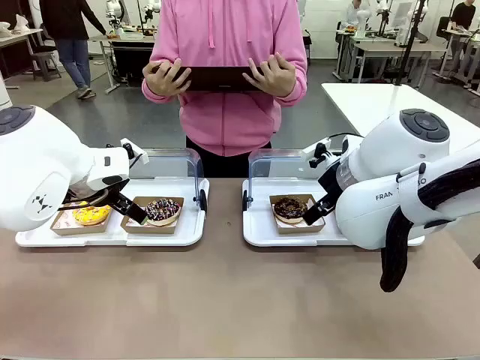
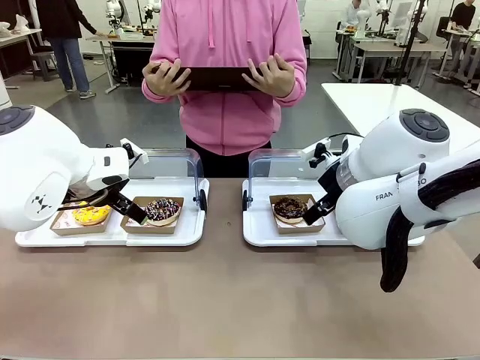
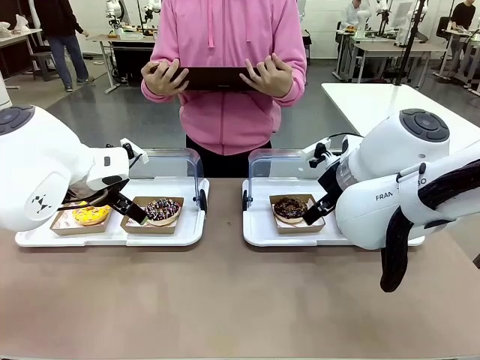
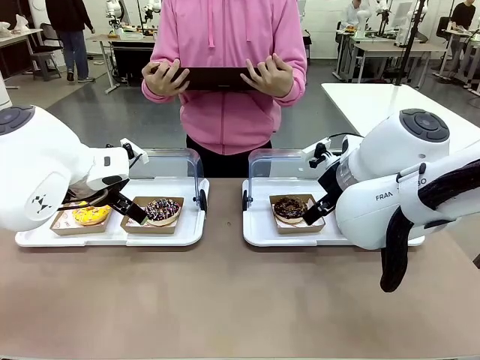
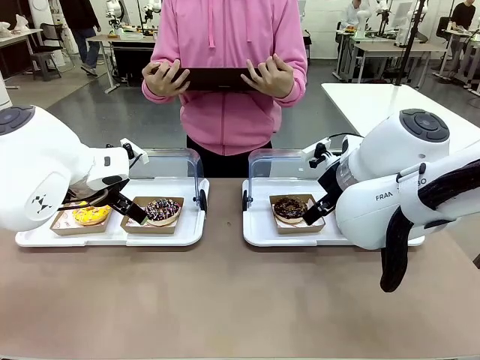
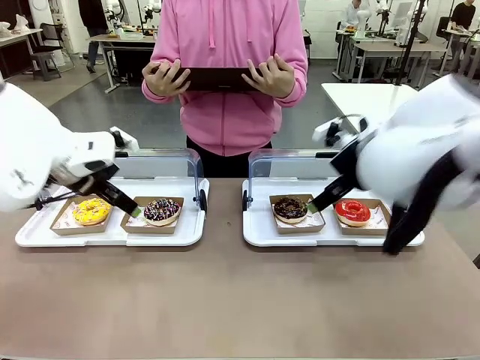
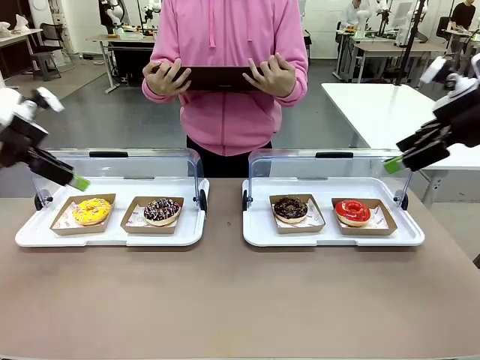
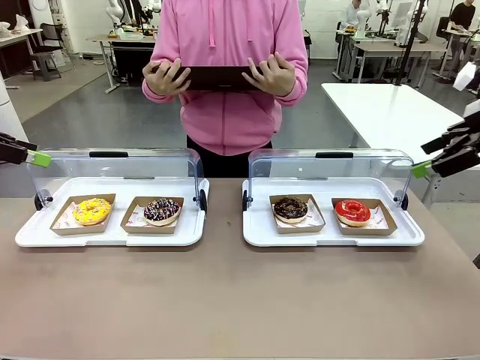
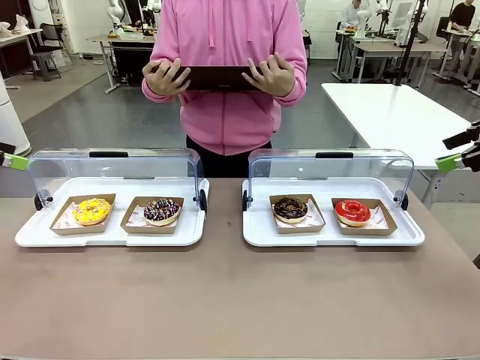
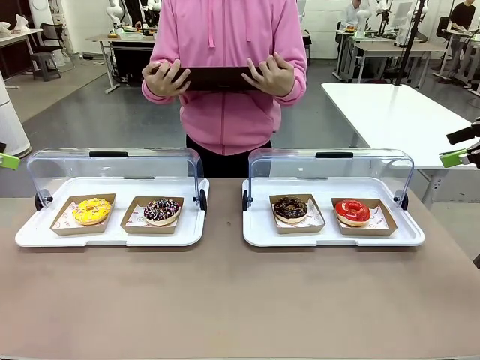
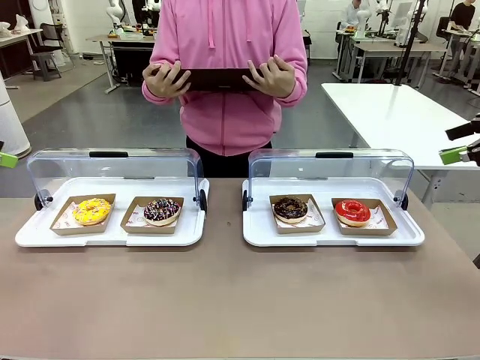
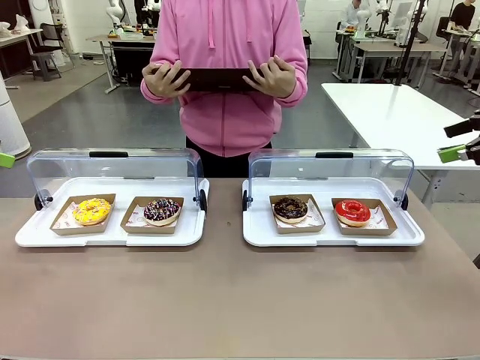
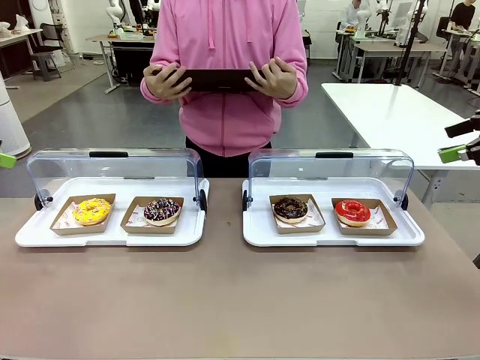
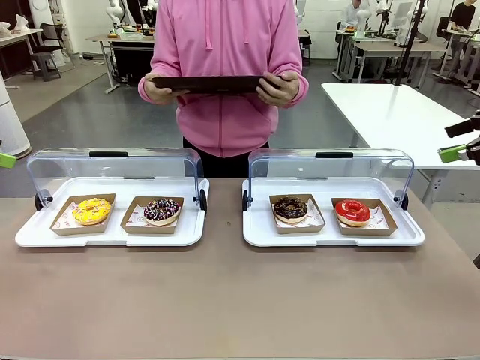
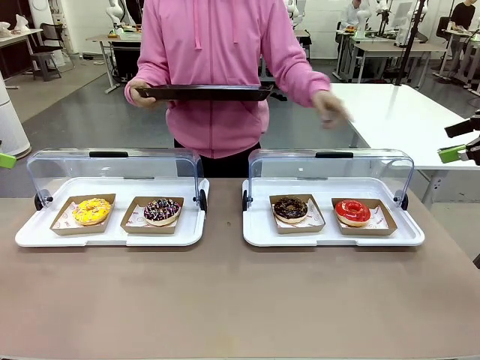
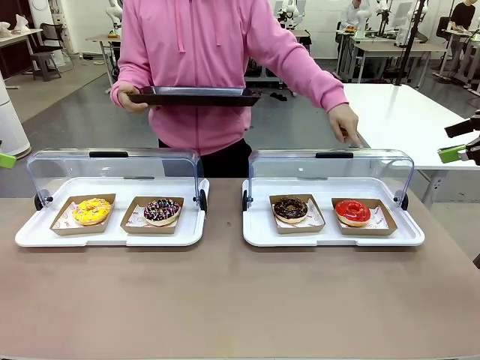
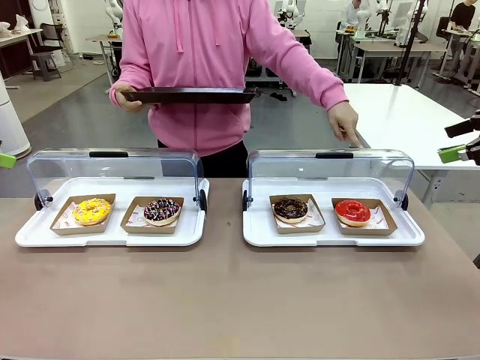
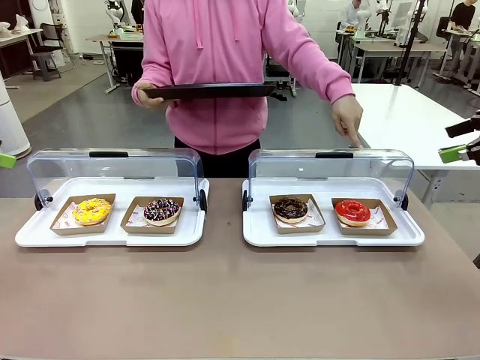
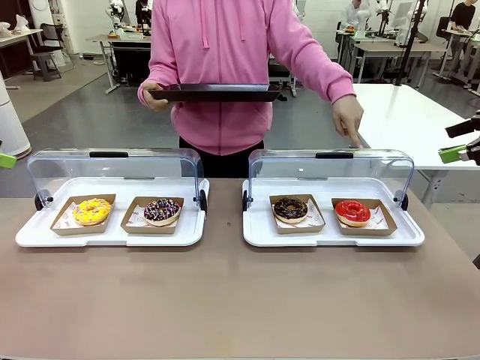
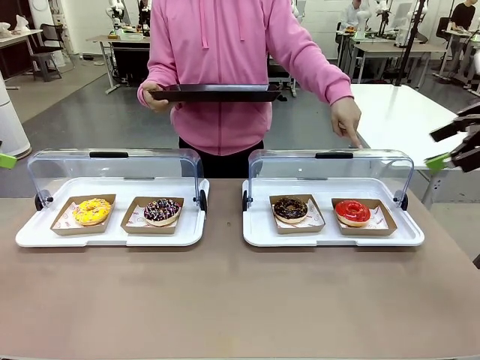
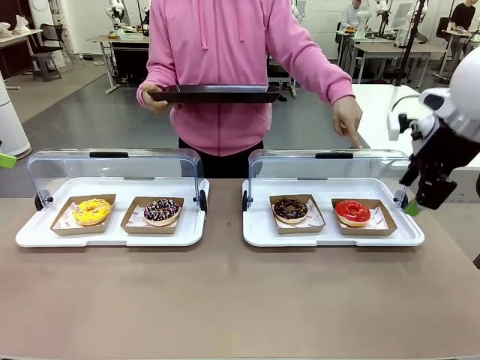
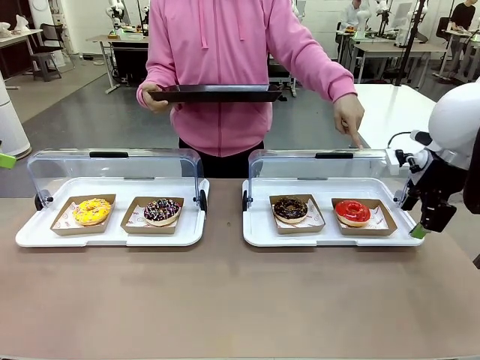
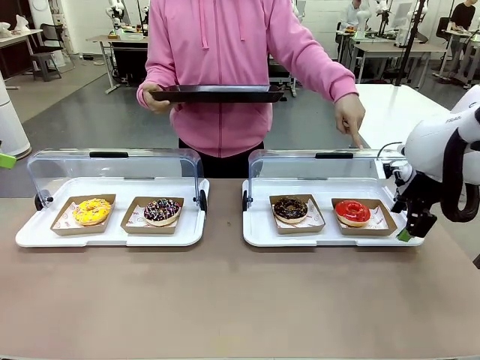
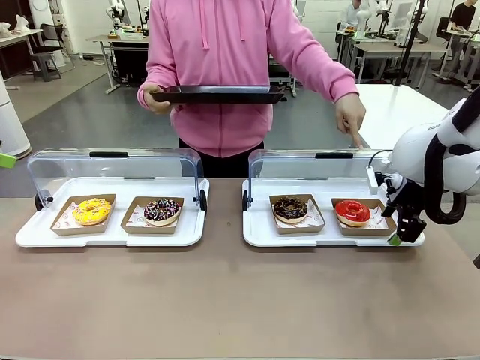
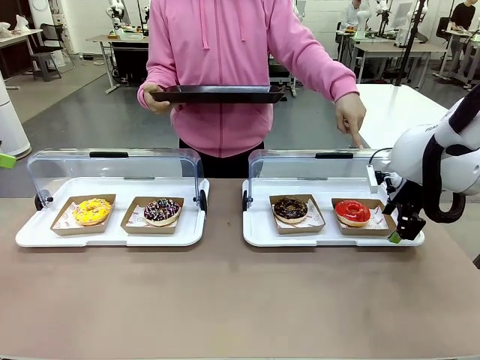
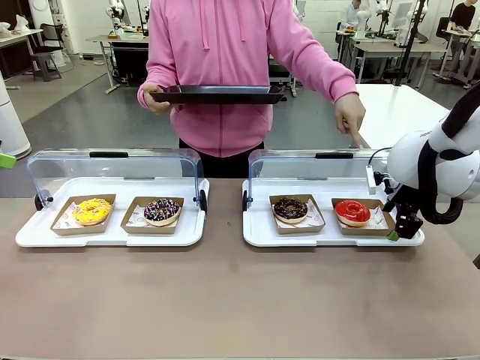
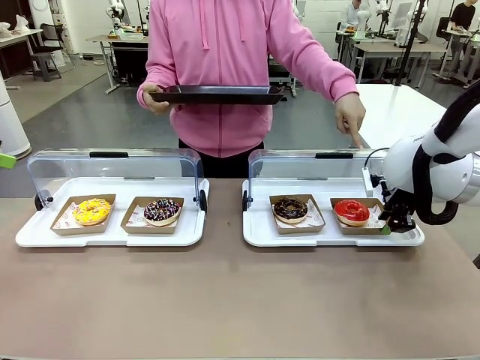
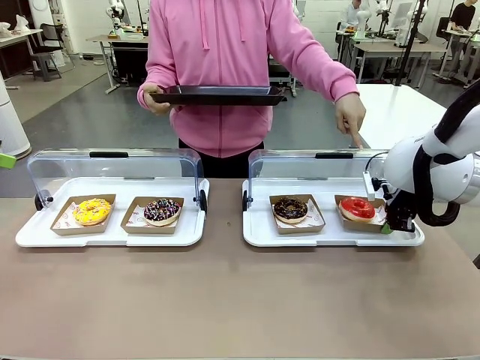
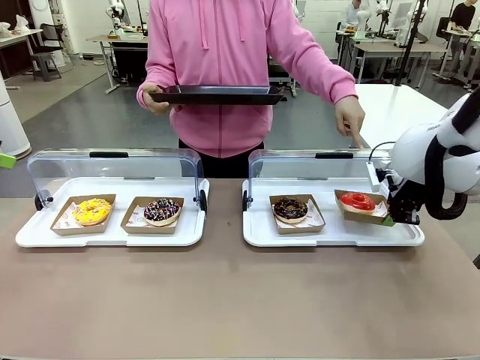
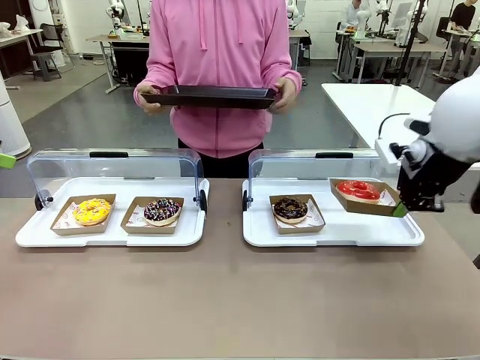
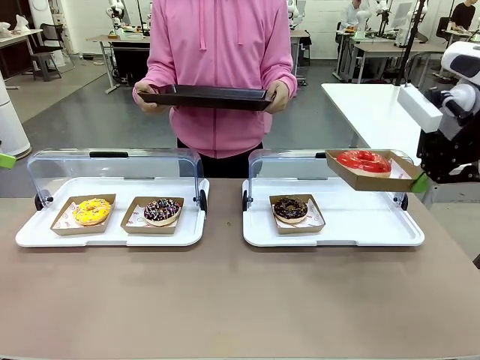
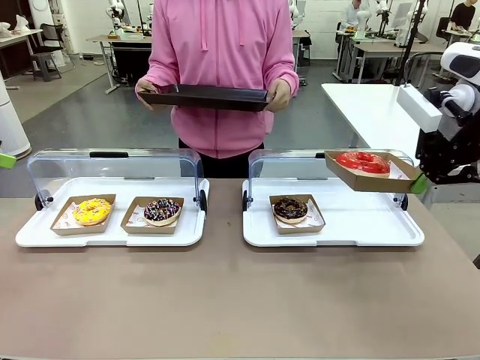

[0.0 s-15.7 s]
Task: Provide the desired donut to the person.
Robot: Pick up and lift the Paper togo box containing the Donut pointed at by the person.
Person: Point to one donut. Lift the tray onto the Roll-Top Bakery Case.

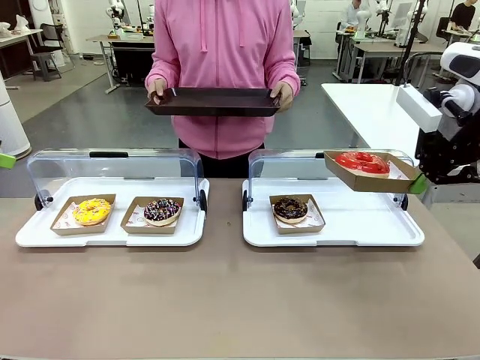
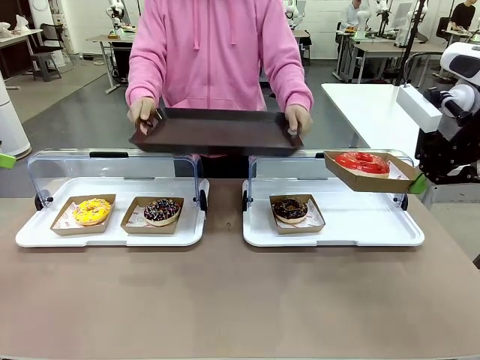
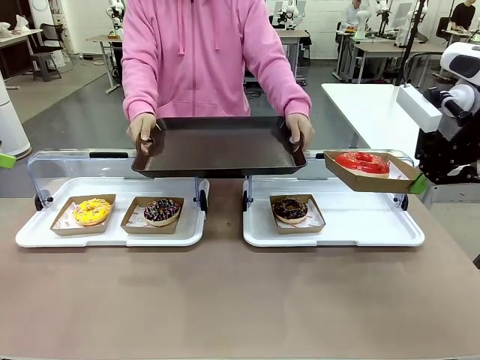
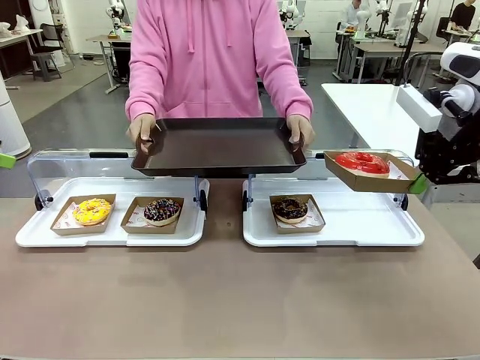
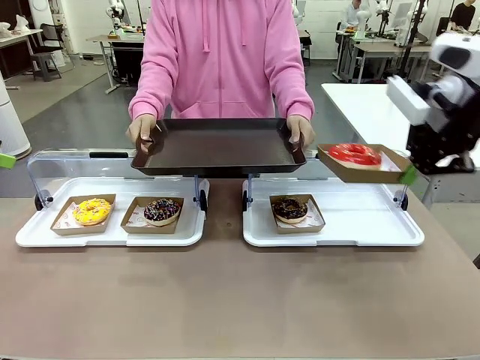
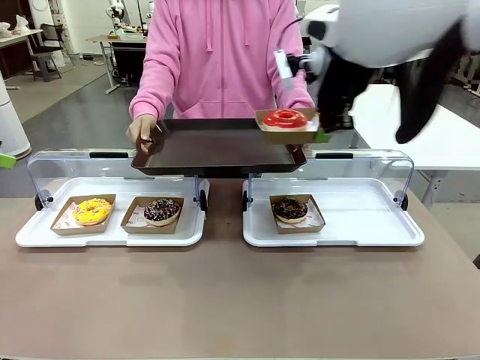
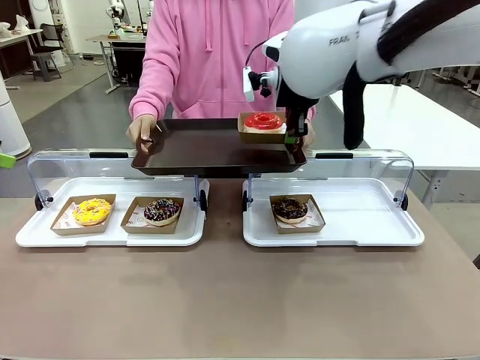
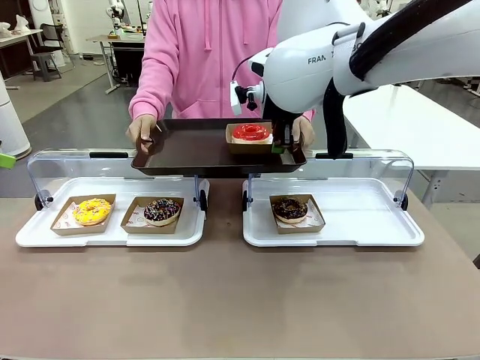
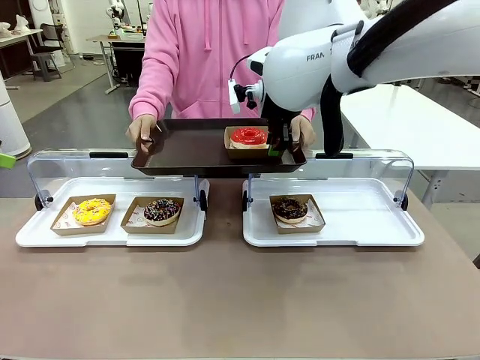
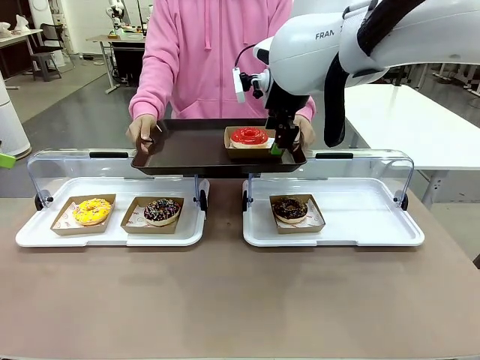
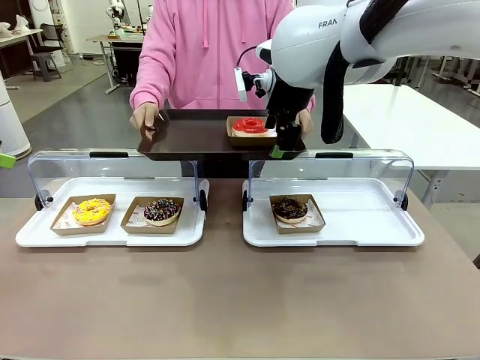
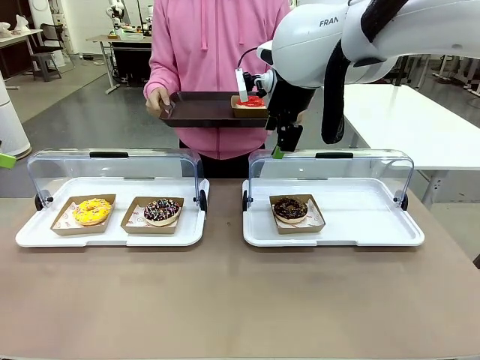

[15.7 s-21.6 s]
Robot: Place the picked Paper togo box onto the Handle tray extended by the person.
Person: Point to one donut.

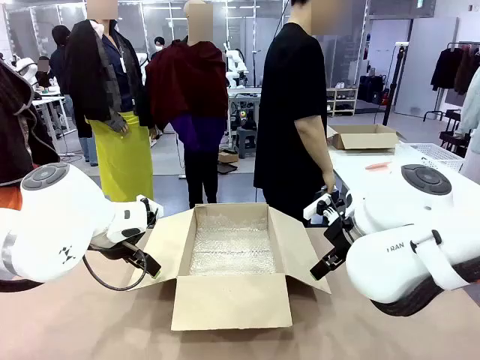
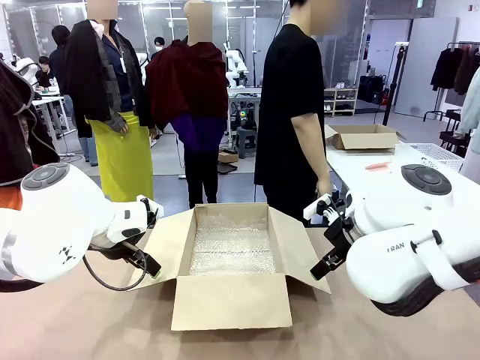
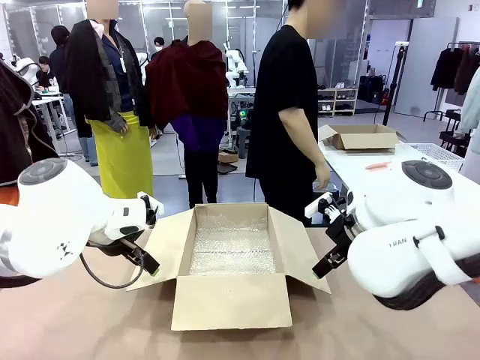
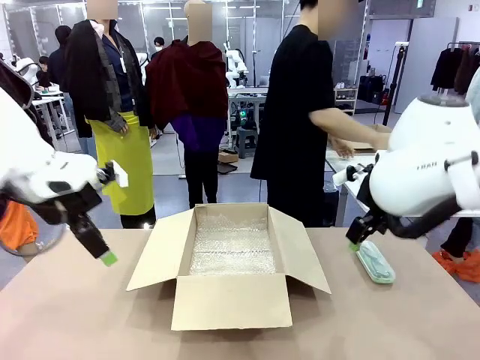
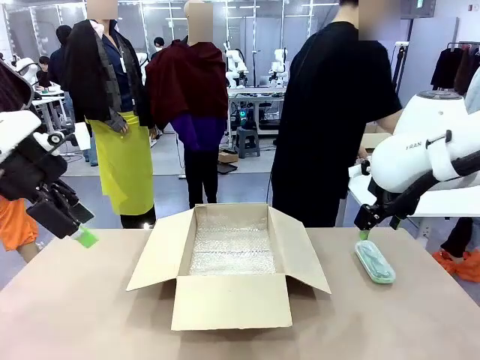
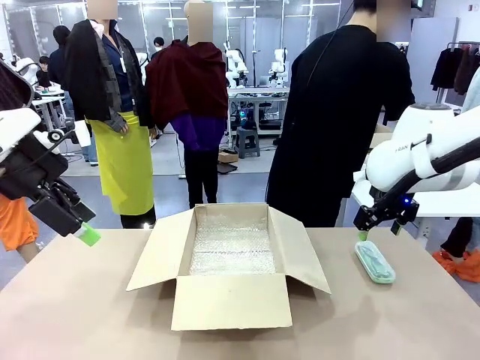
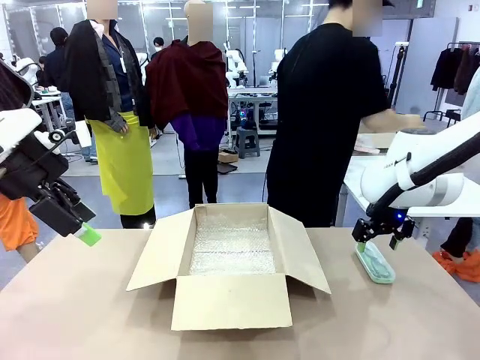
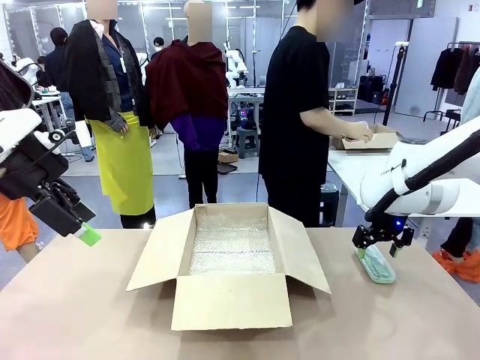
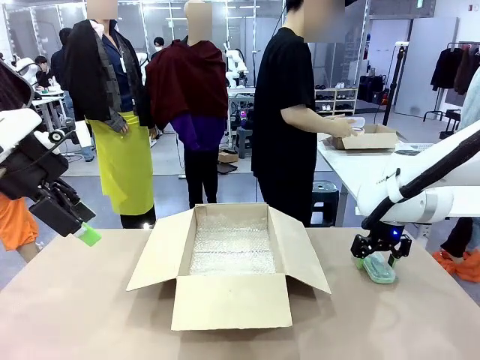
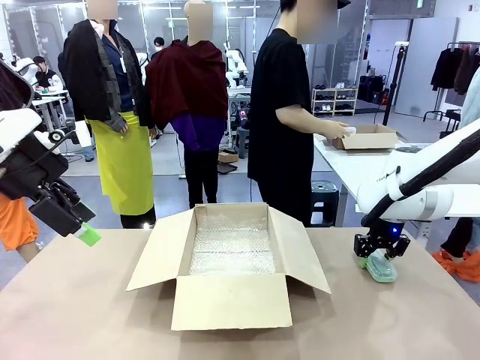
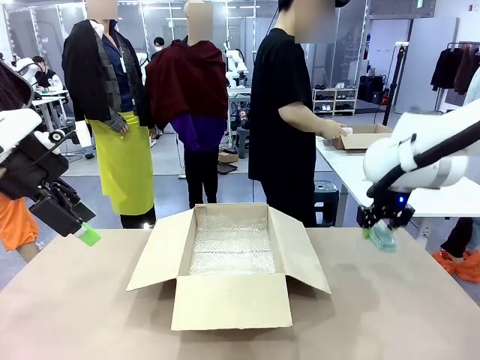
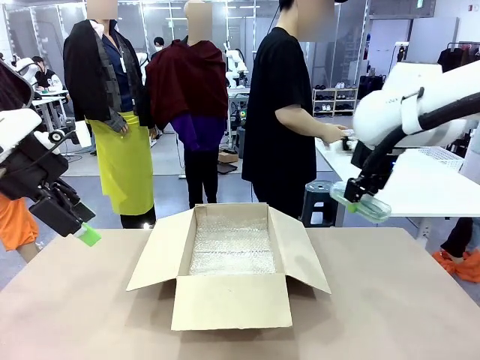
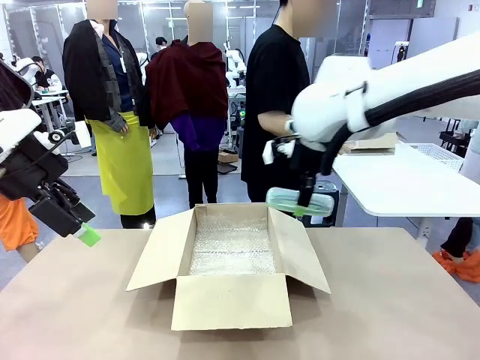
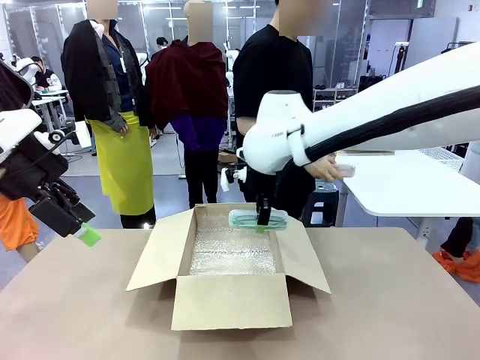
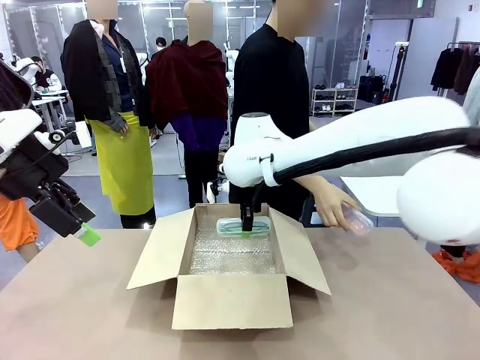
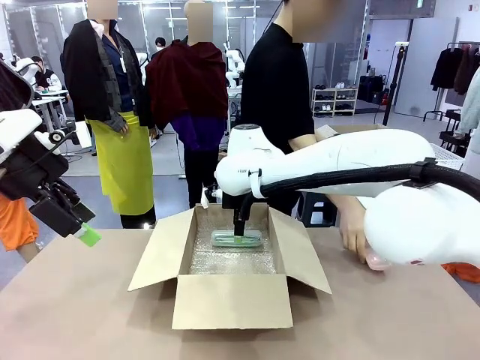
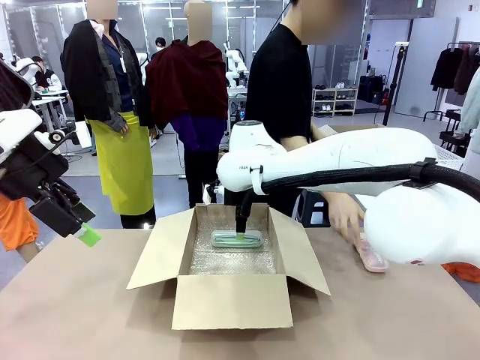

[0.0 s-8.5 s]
Task: Pack the glasses set securely to prepare it for shipping.
Robot: Place the Glasses case inside the Package Box.
Person: Place the Glasses inside the Glasses case. Position the Glasses case on the left side of the robot's table.
